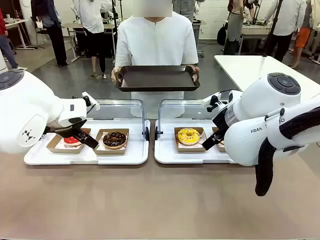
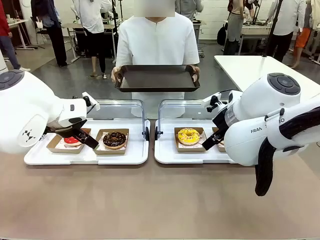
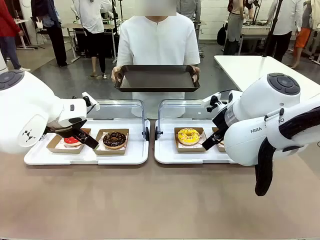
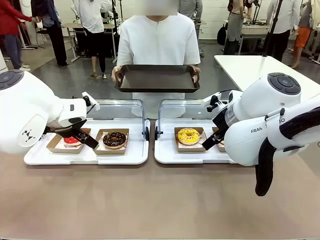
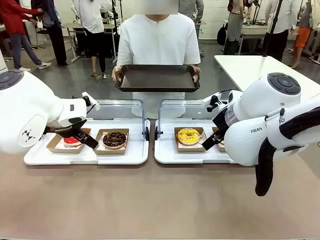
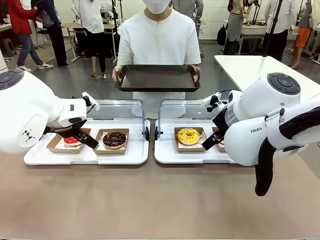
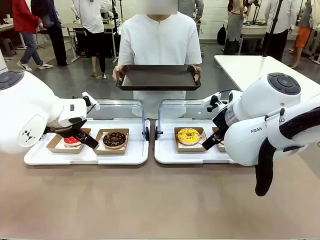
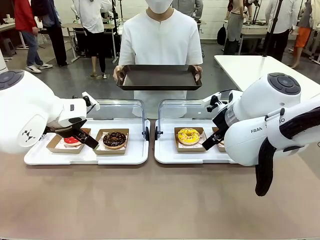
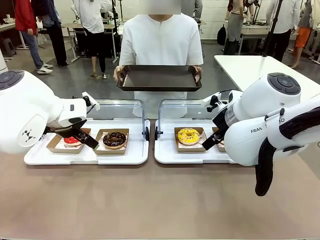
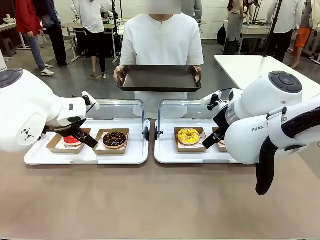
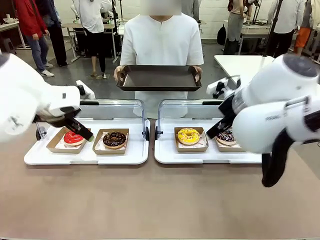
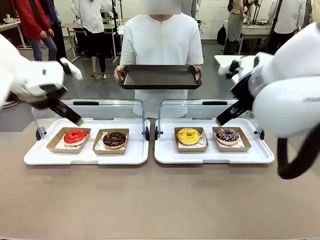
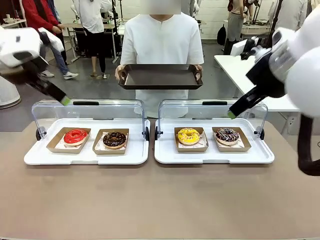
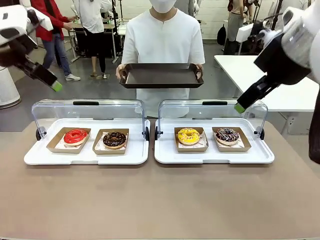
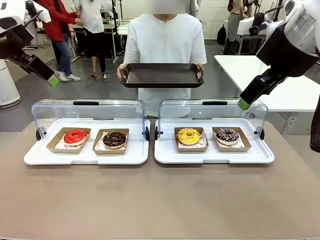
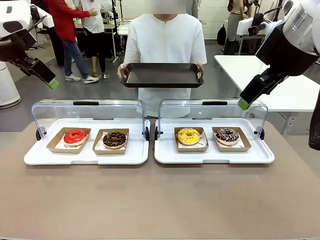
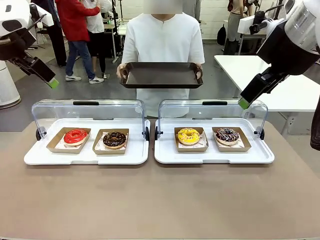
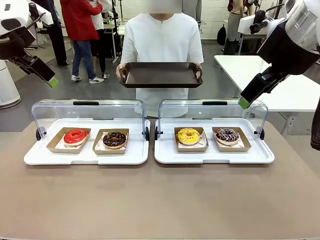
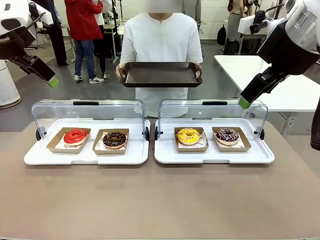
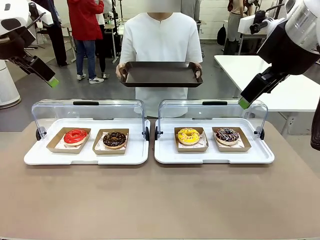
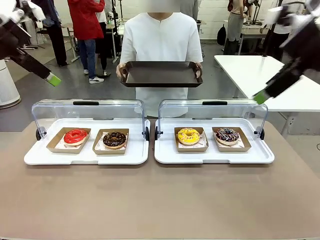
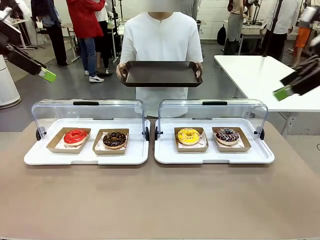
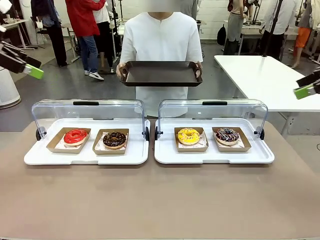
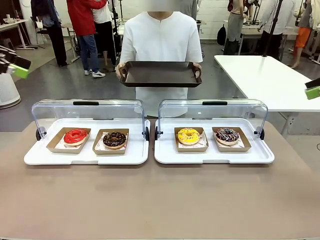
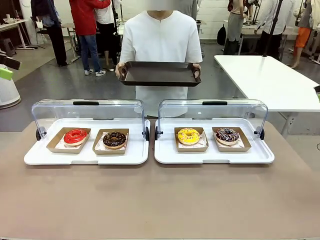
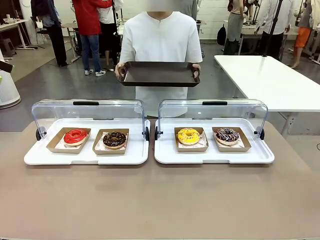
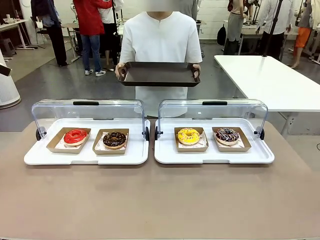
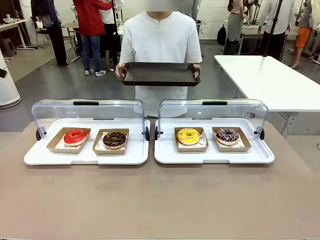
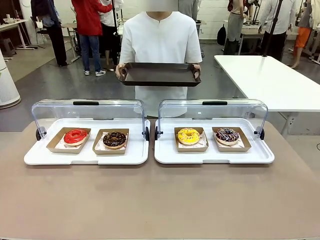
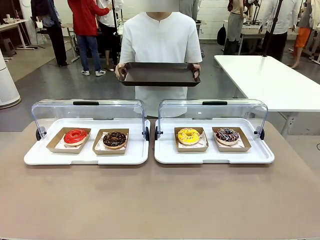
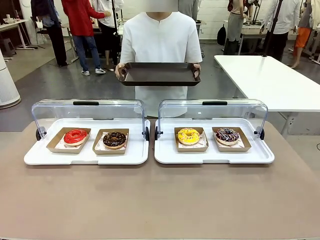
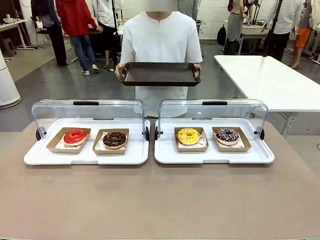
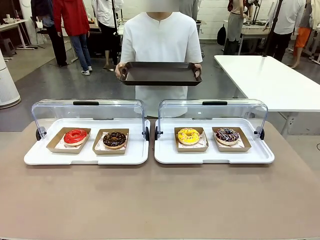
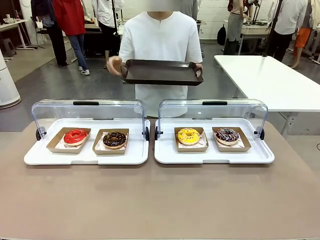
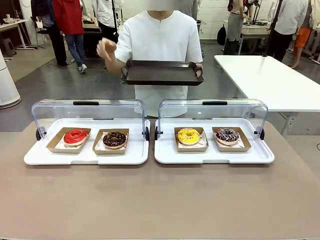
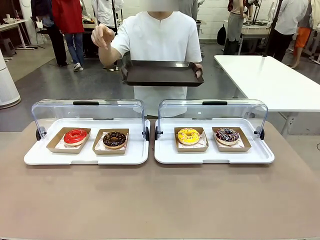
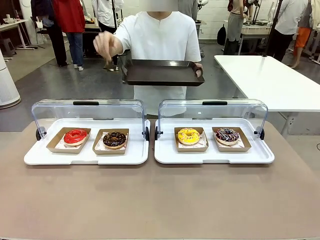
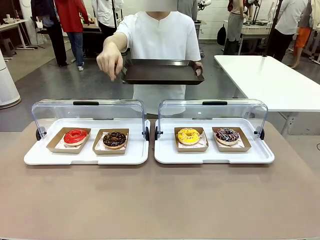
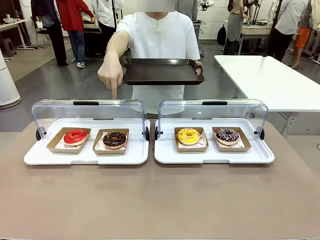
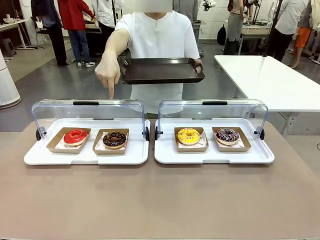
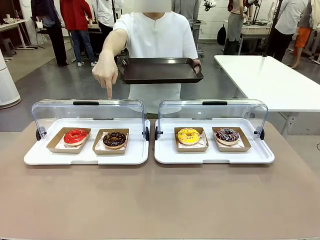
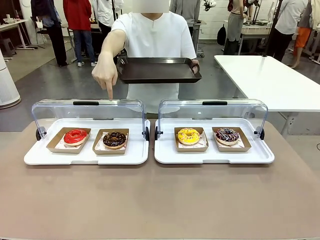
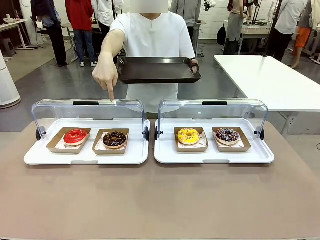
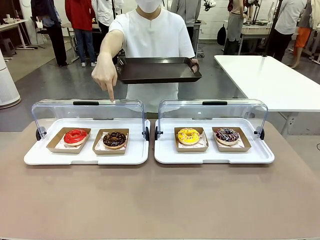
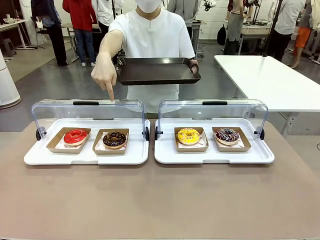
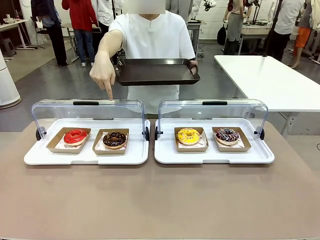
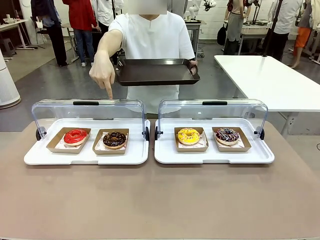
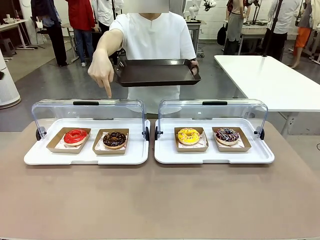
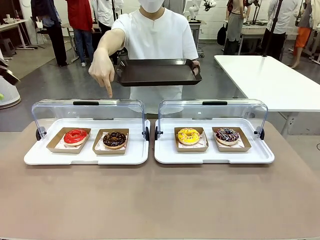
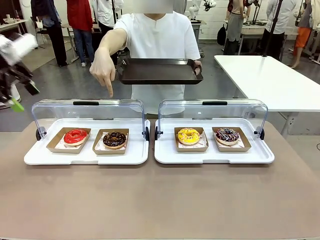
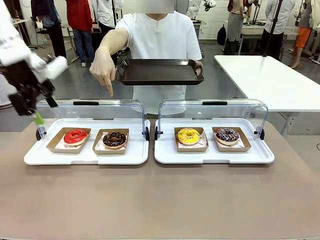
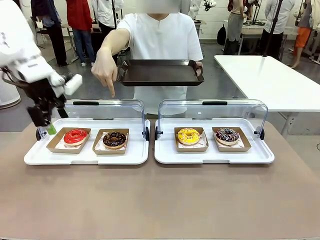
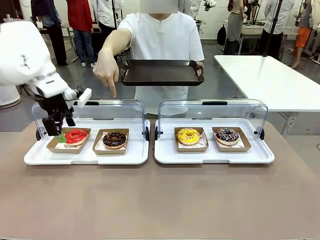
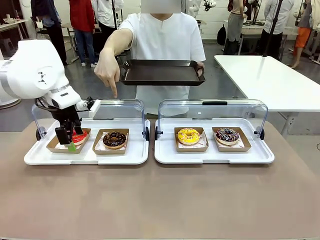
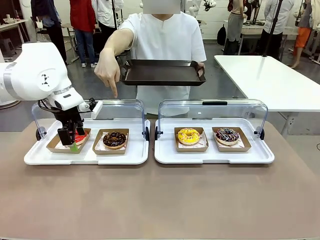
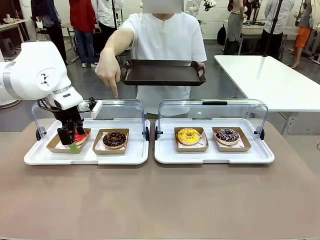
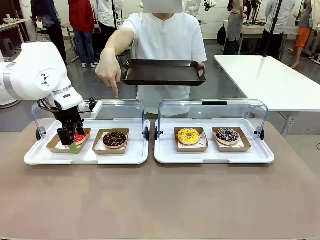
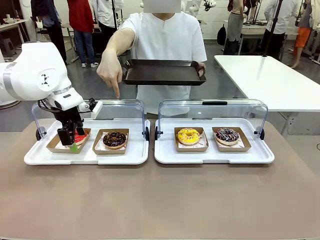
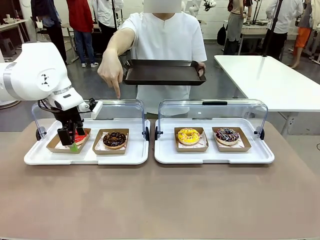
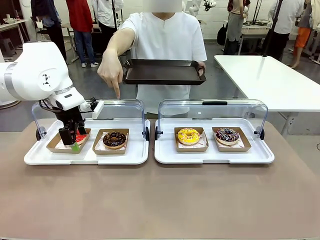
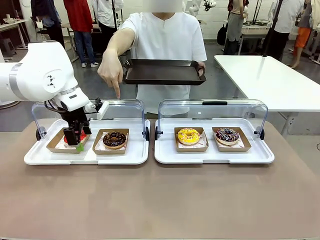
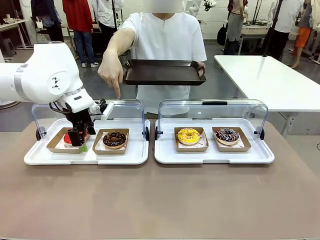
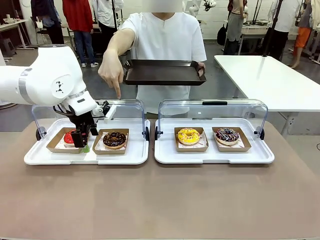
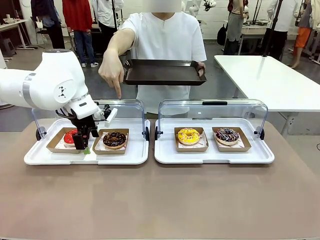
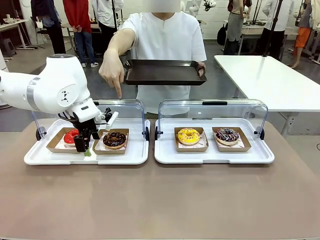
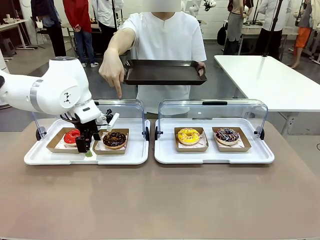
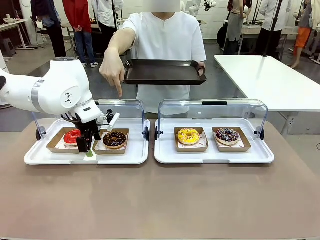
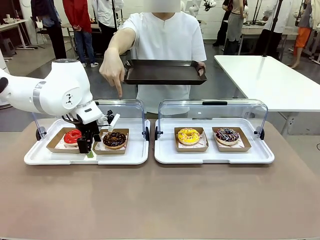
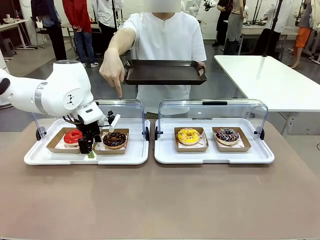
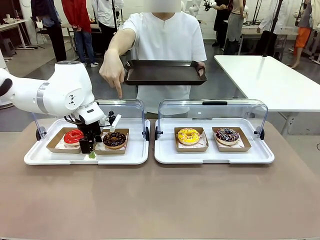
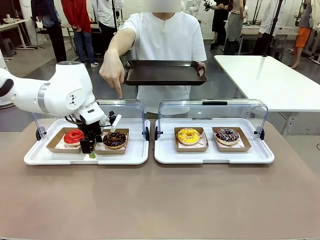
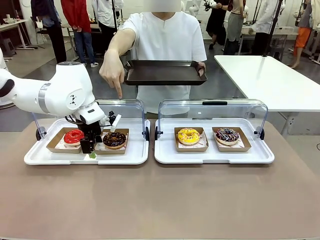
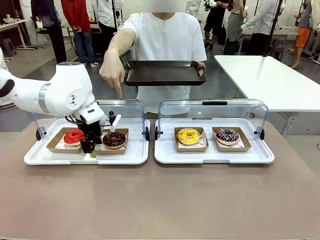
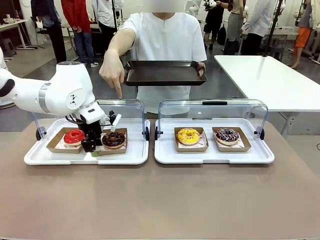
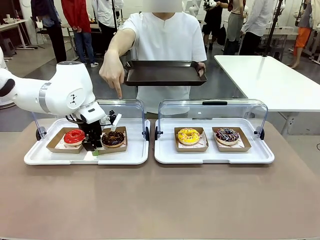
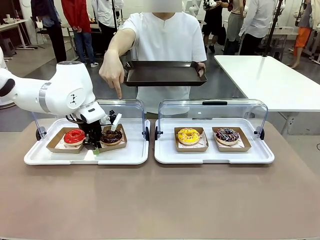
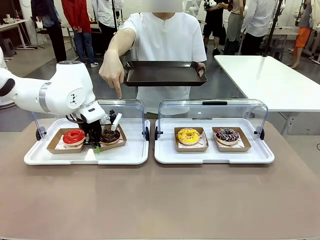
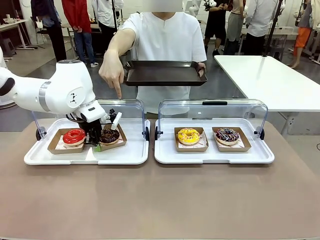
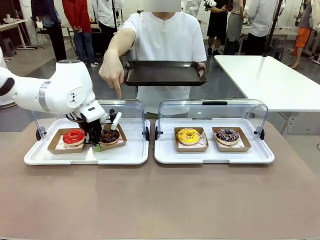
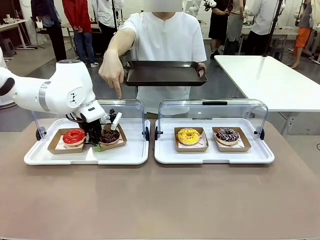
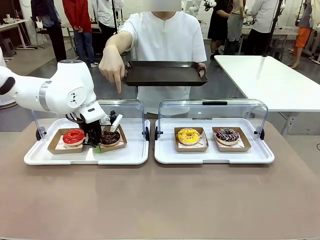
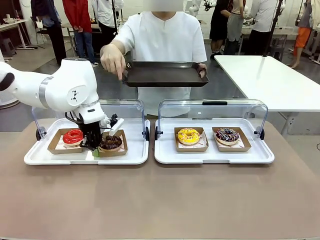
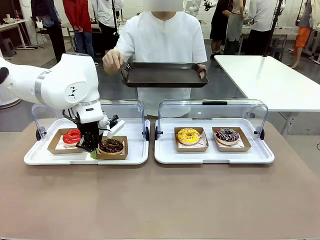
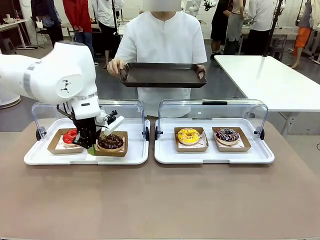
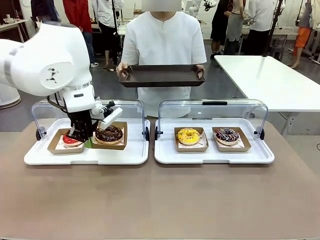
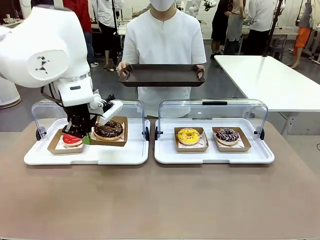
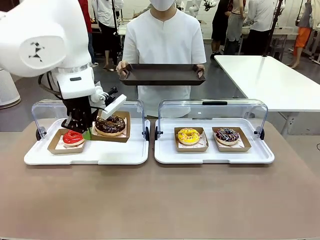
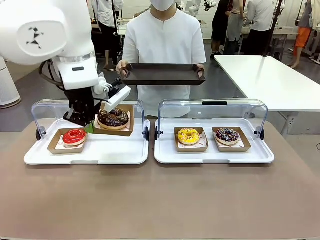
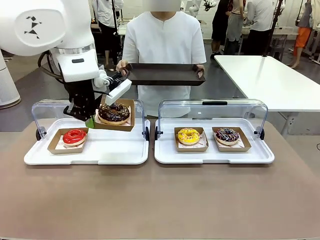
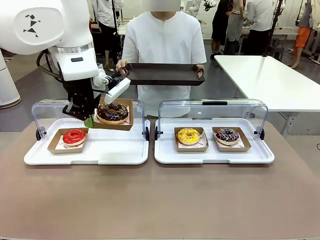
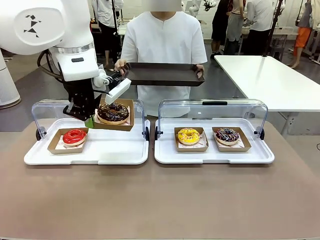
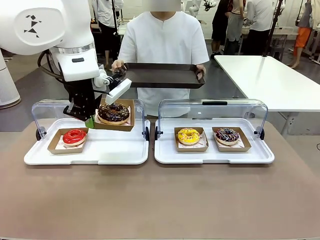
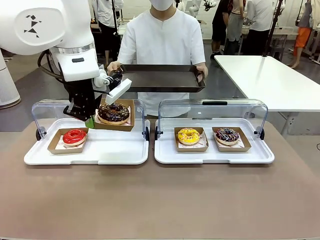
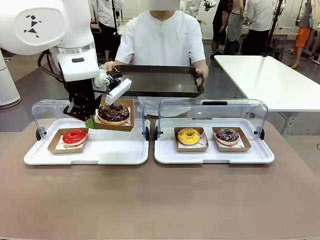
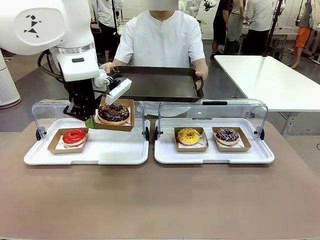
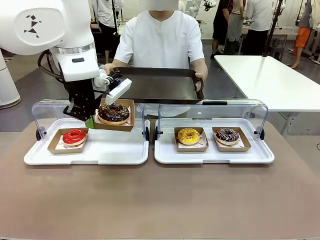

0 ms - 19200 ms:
Task: Provide the desired donut to the person.
Robot: Pick up and lift the Paper togo box containing the Donut pointed at by the person.
Person: Point to one donut. Lift the tray onto the Roll-Top Bakery Case.
